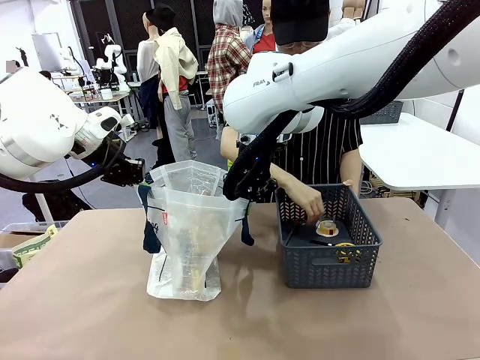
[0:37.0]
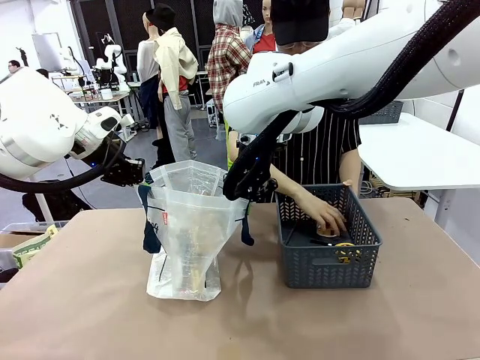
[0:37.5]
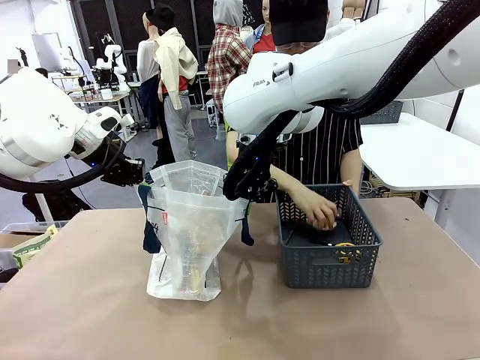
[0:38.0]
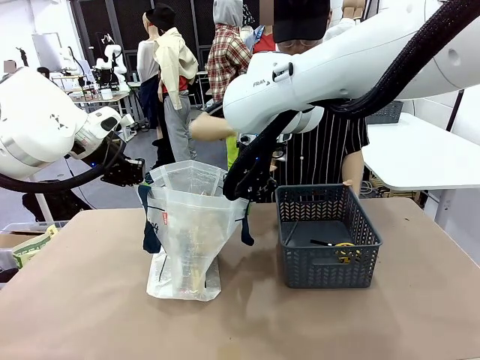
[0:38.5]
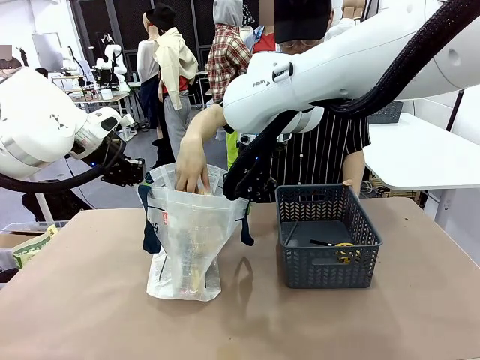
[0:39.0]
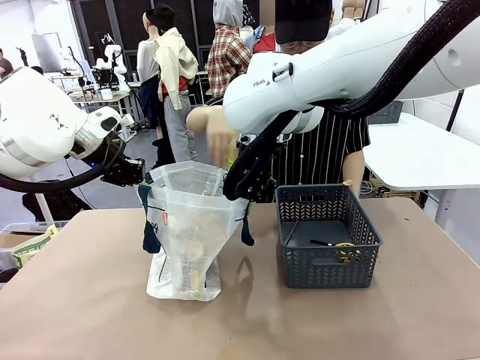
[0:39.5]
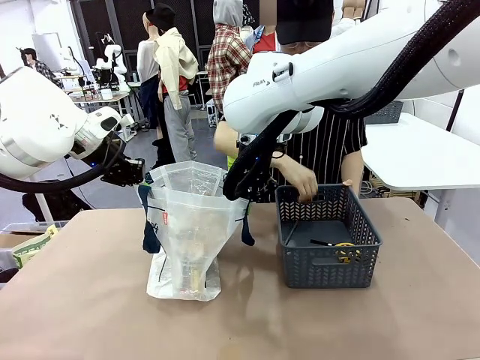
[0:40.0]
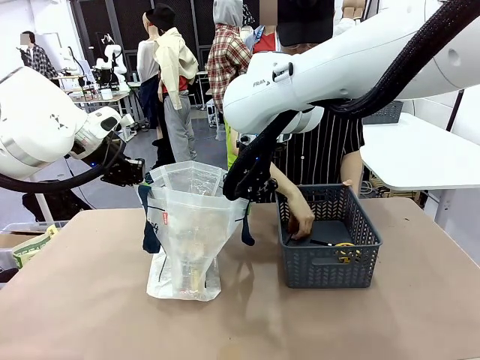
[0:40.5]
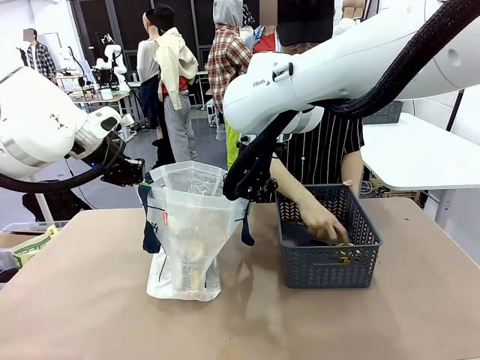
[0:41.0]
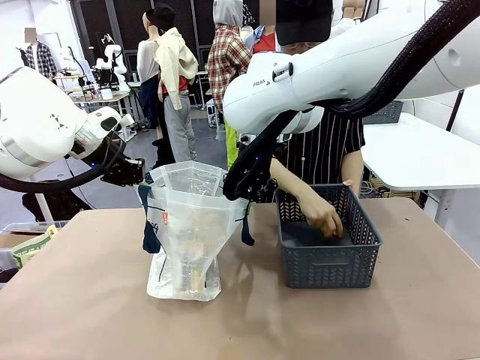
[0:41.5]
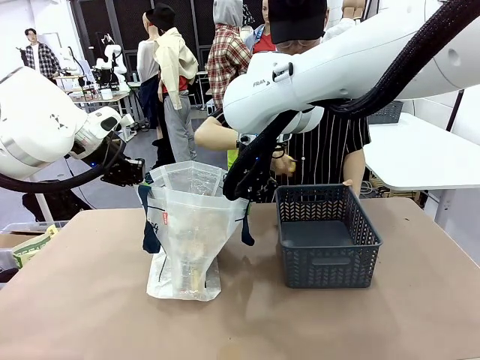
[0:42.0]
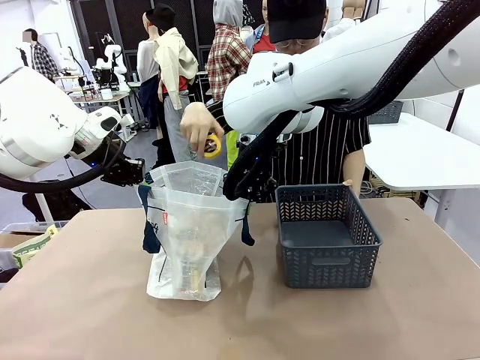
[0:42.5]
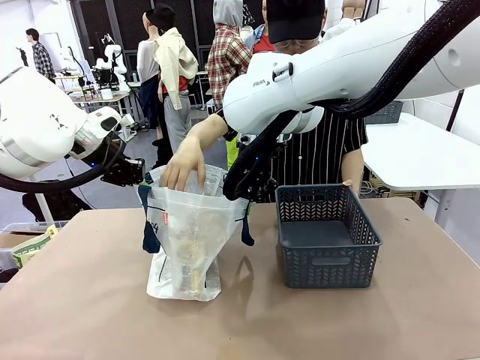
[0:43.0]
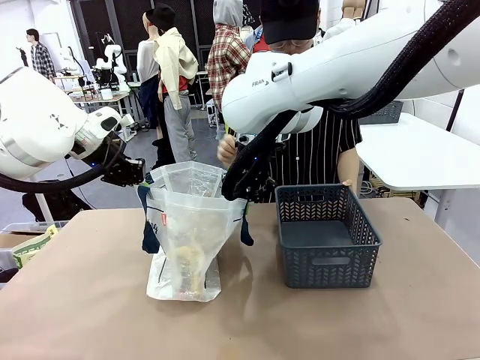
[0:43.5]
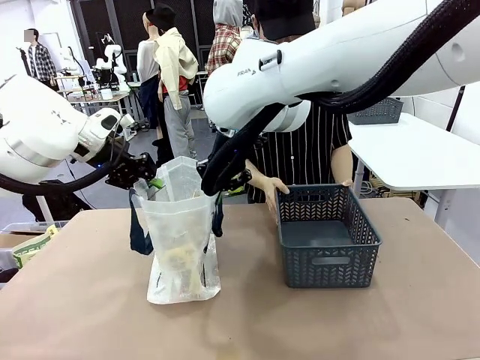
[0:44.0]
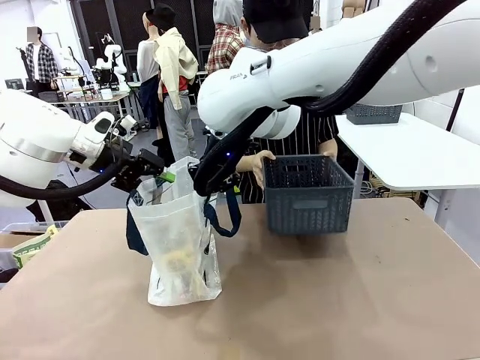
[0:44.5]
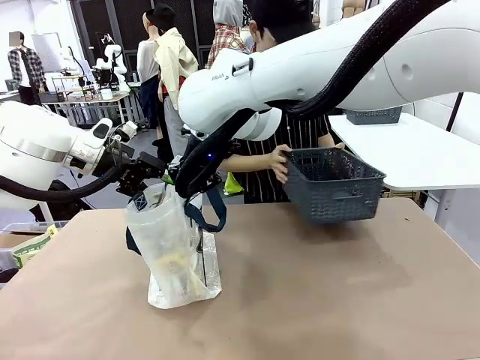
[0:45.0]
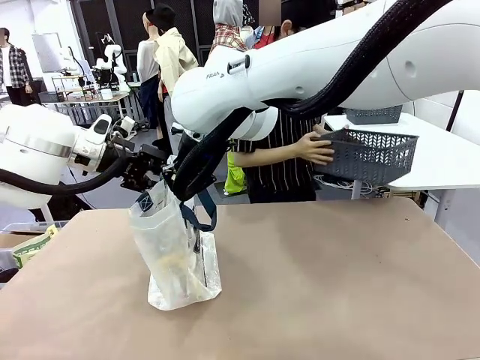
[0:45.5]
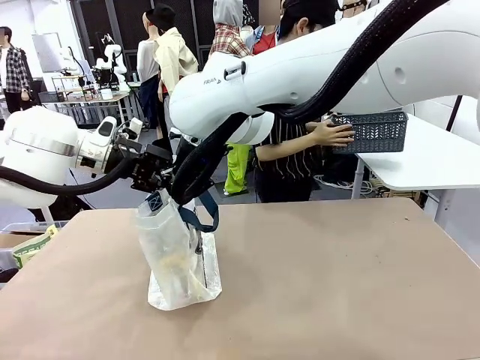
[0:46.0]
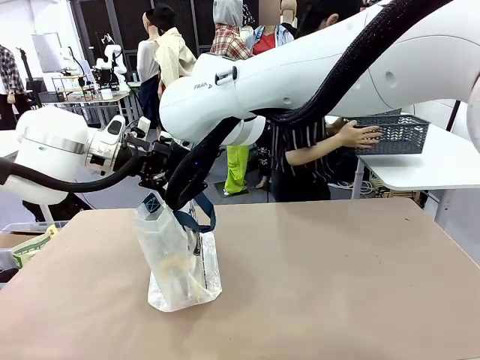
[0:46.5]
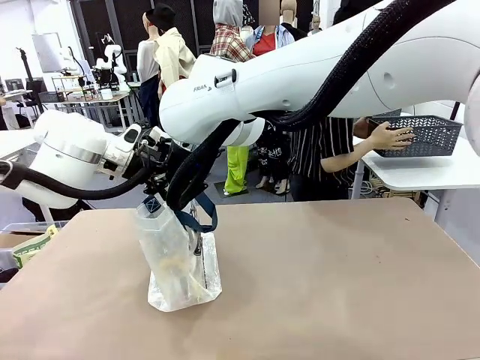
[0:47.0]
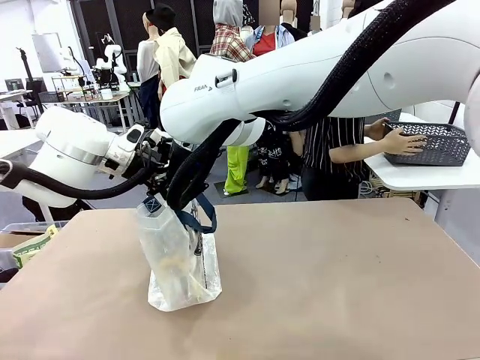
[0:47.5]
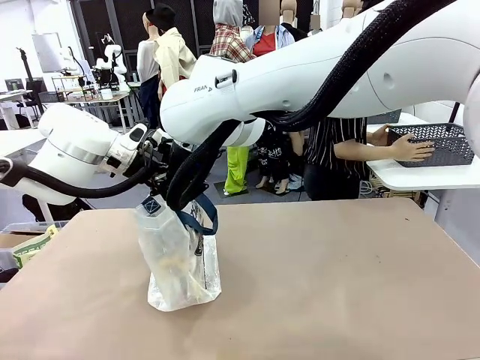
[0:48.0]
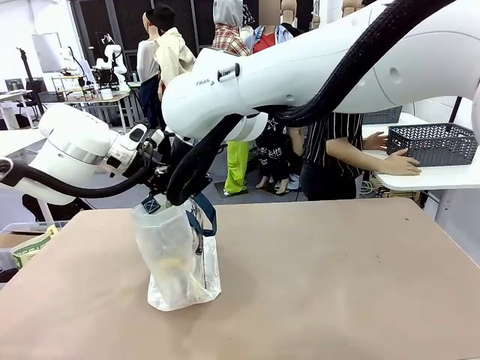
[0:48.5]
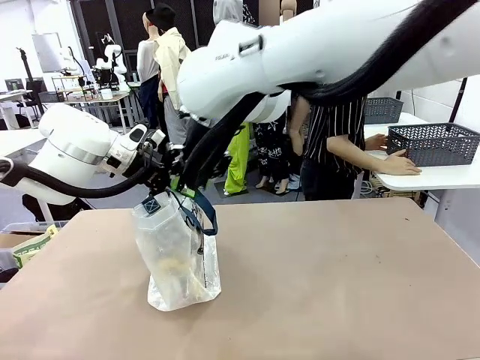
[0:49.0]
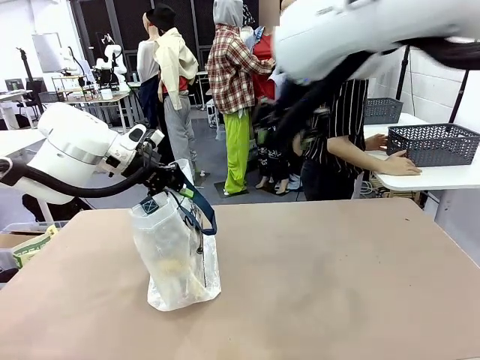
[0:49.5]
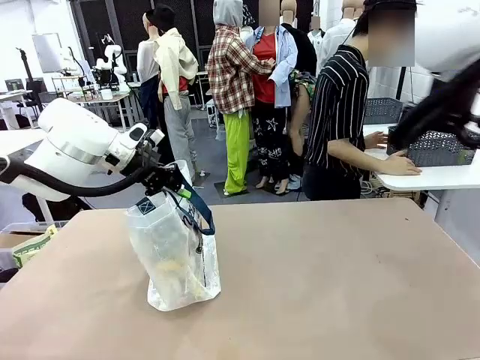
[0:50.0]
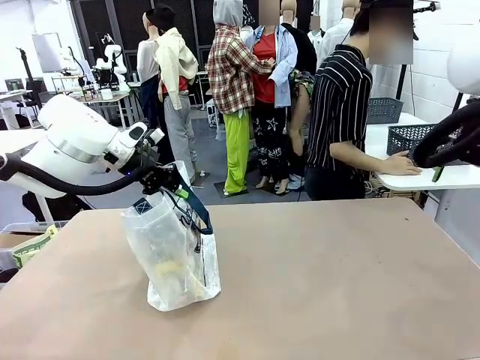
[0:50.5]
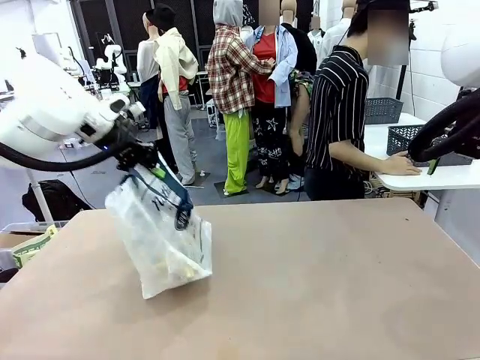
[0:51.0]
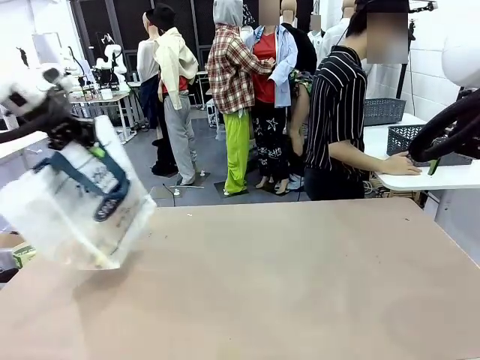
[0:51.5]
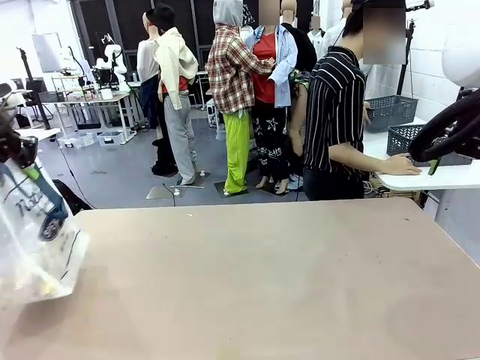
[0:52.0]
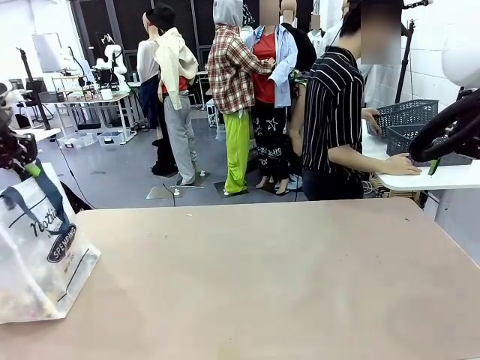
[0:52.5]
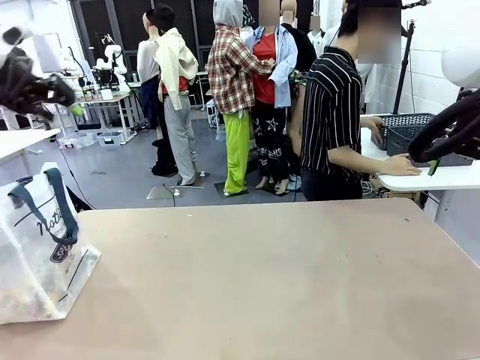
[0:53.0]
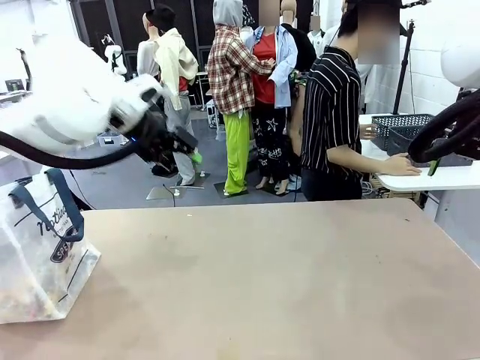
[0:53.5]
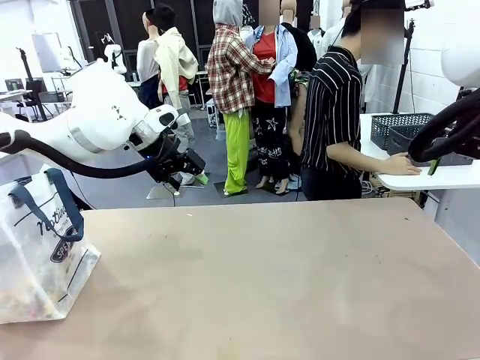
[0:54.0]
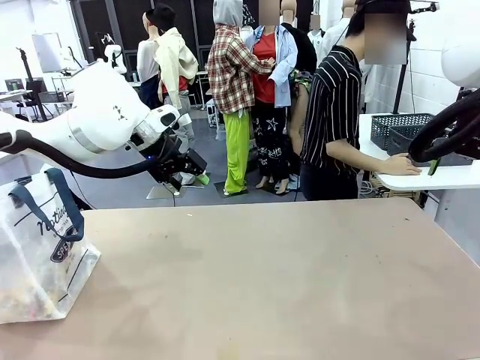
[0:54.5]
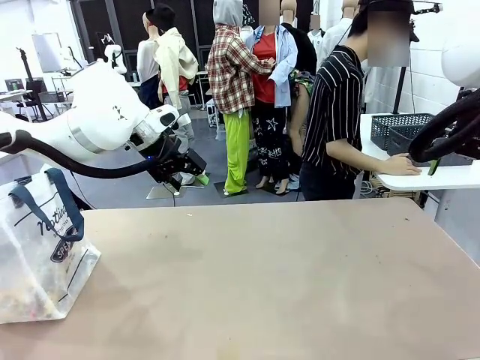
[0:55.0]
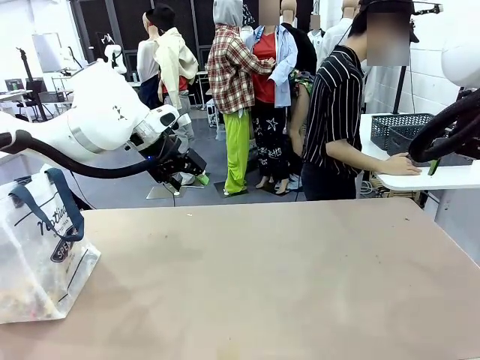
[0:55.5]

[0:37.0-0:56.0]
Task: Transfer purchased items from the store into the shopping bag.
Robot: Move the Reusable shopping bag to the right side of the table.
Person: Move the basket on the left to the middle of the person's table.
